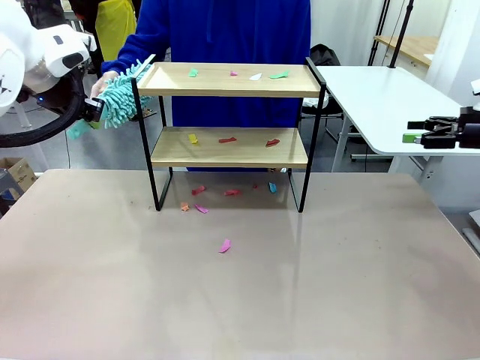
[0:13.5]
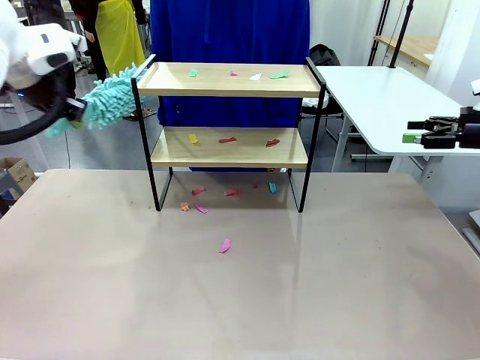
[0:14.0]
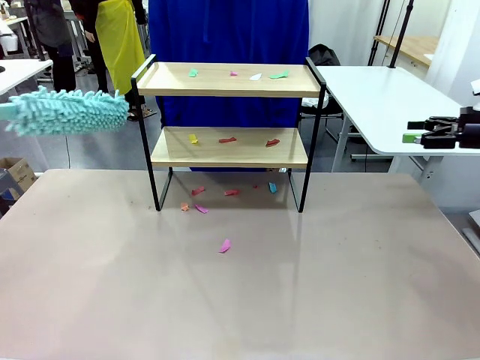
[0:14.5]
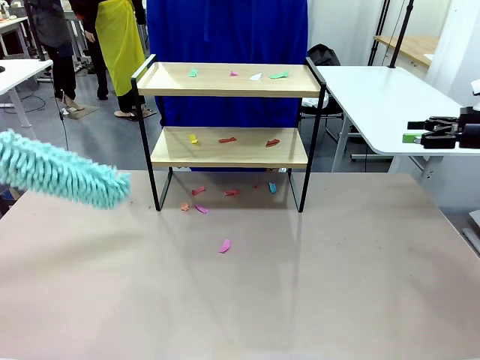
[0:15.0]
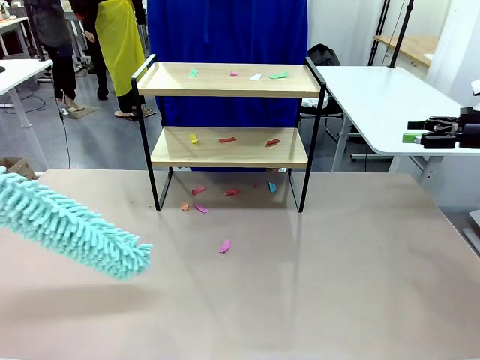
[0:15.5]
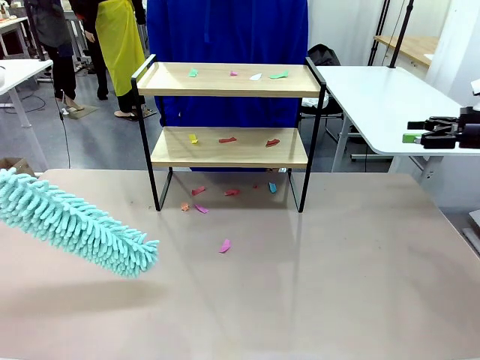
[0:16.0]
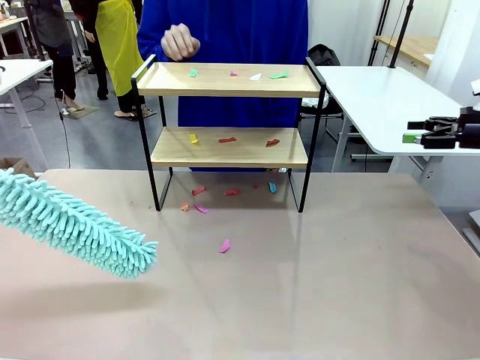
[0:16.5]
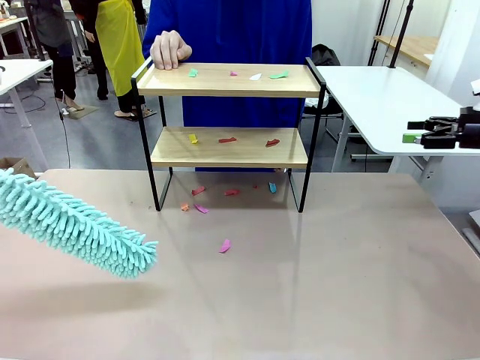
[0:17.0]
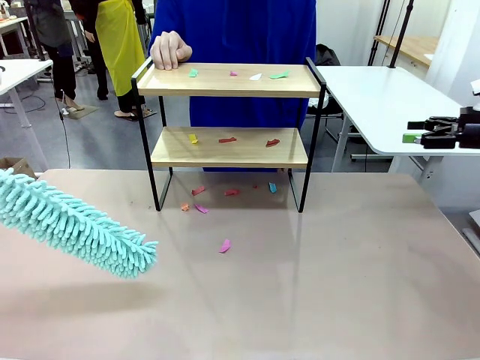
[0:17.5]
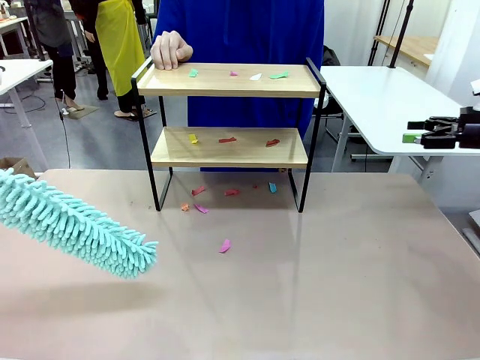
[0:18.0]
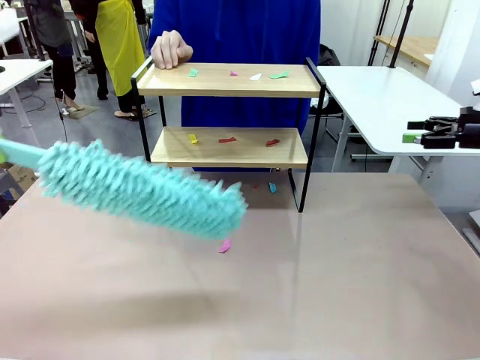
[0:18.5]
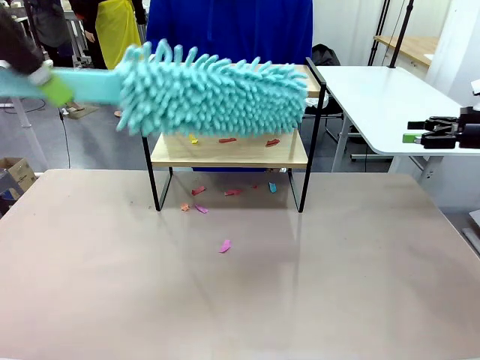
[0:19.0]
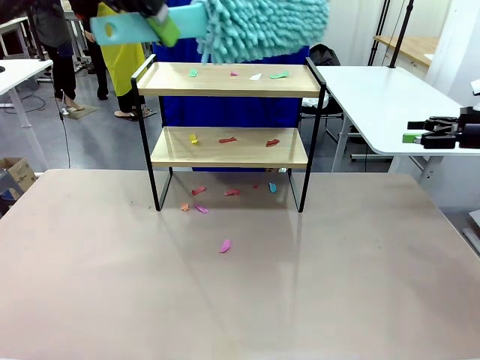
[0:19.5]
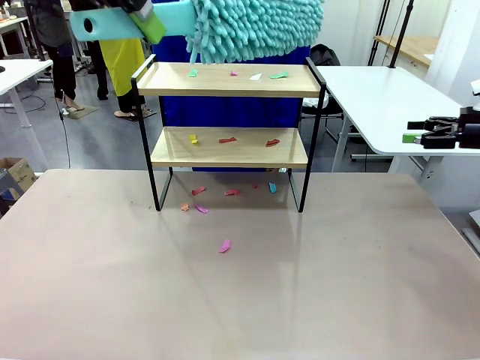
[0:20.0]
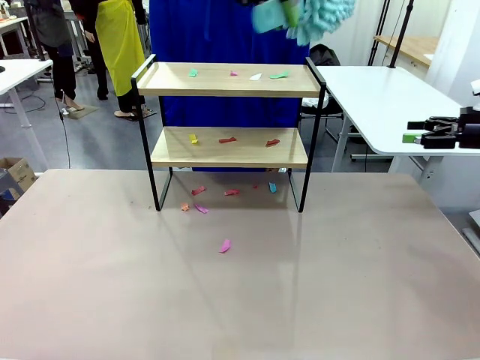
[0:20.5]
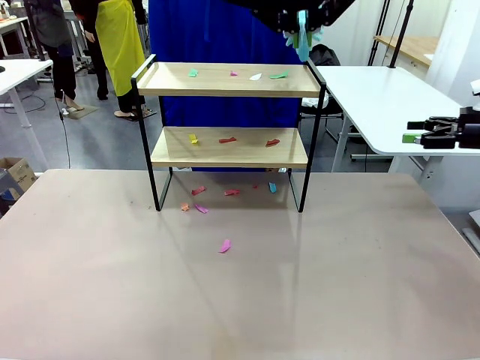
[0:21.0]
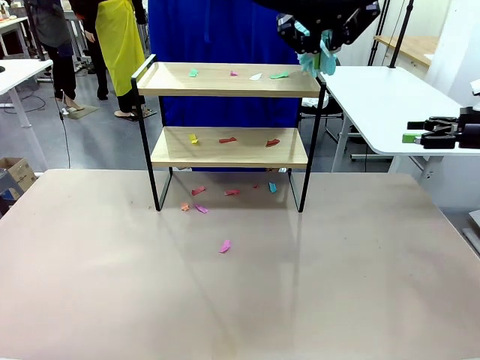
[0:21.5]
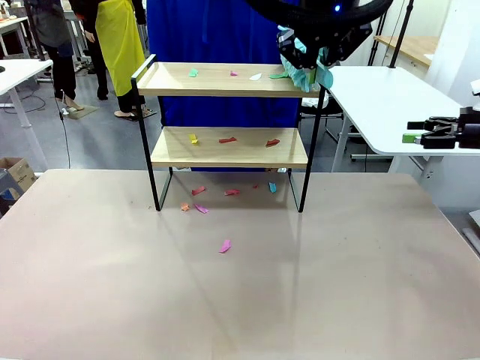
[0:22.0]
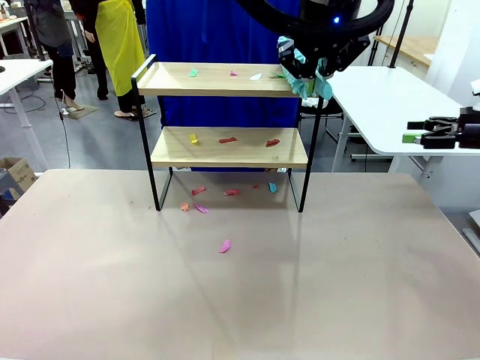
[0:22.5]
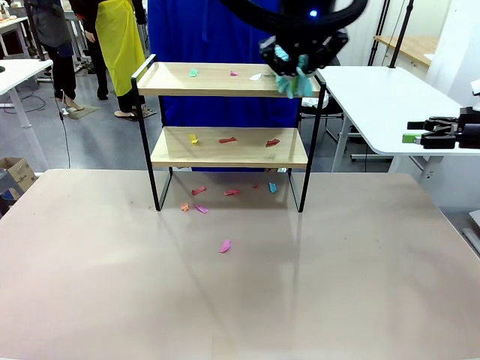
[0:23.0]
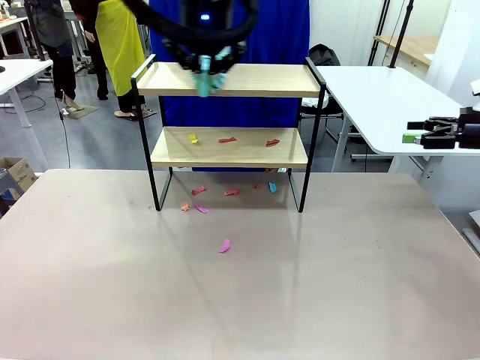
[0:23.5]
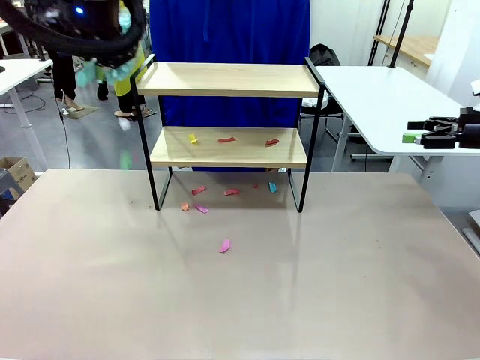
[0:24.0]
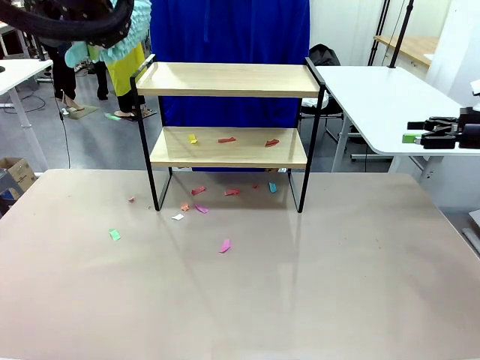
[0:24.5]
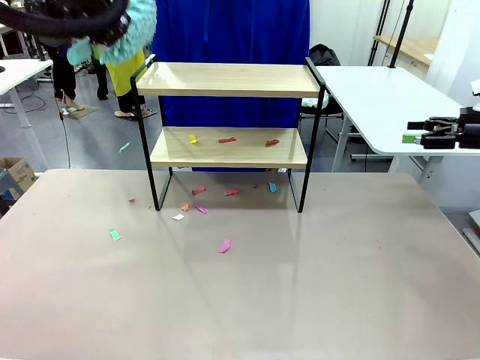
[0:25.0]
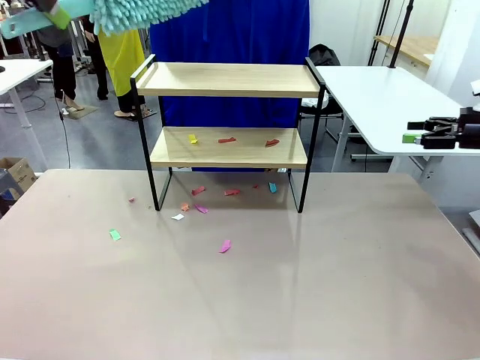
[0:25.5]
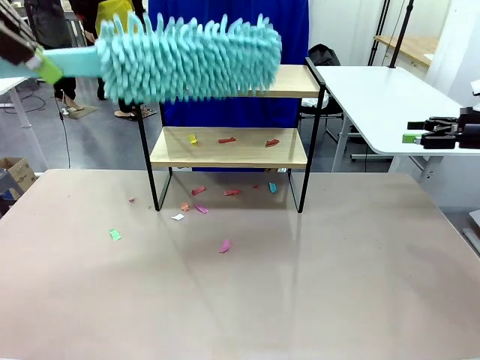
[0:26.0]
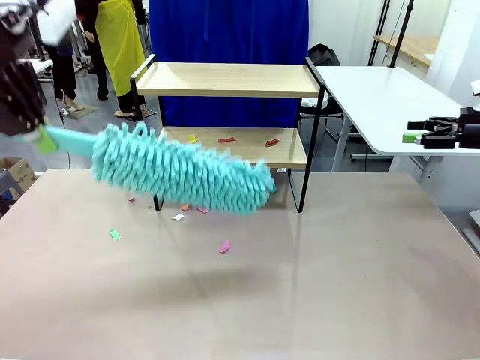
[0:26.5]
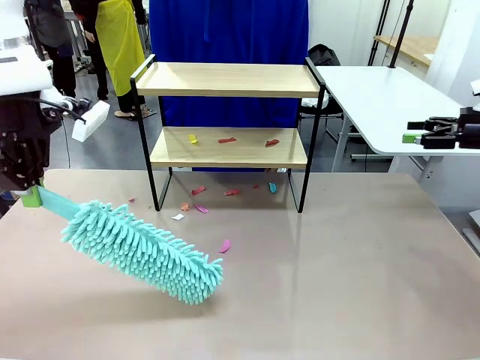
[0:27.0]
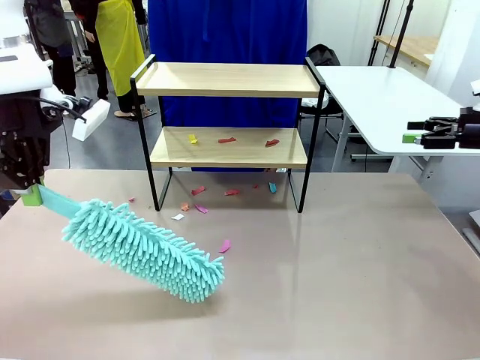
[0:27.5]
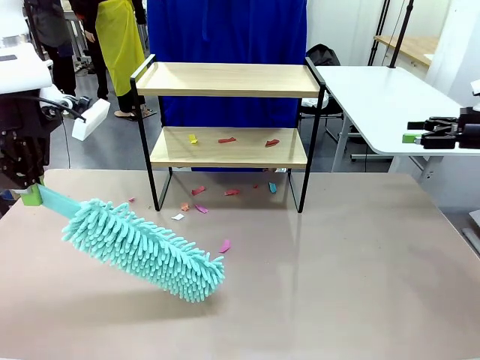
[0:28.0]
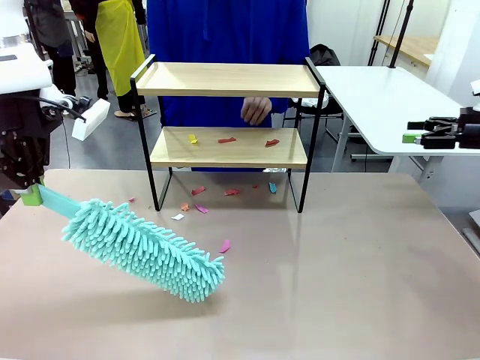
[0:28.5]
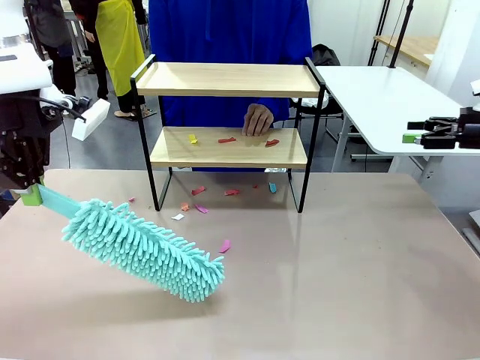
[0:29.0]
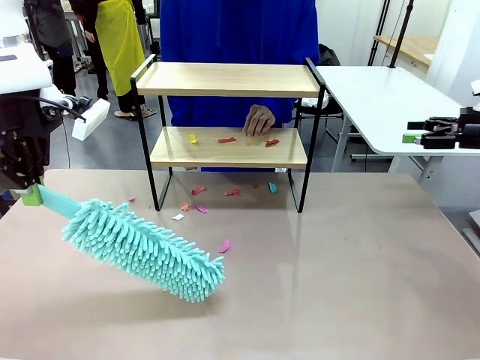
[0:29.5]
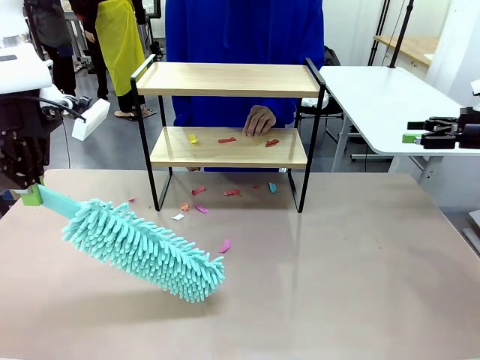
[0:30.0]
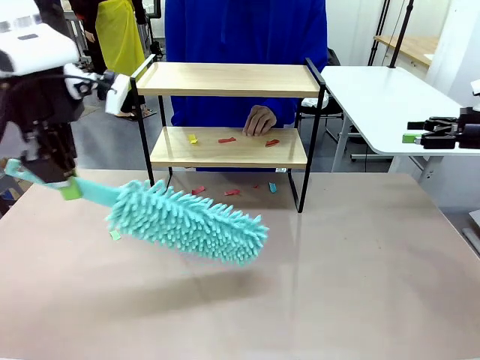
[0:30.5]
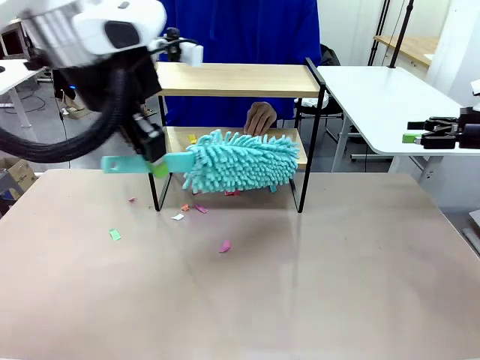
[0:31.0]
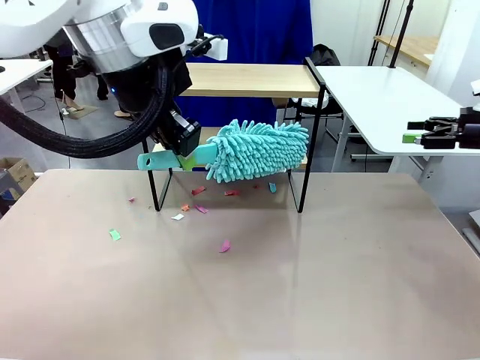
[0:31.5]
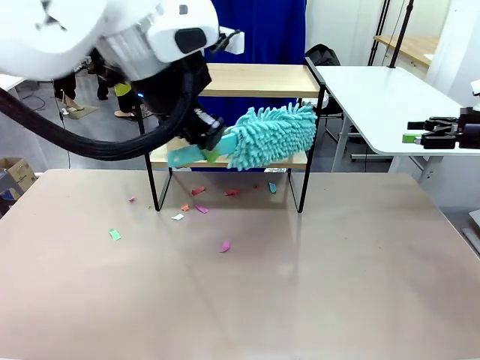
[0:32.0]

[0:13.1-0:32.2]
Task: Clean the shelf.
Robot: Clean the specific section of the Shelf indicated by the human with the Duster.
Person: Point a random section of the Shelf.

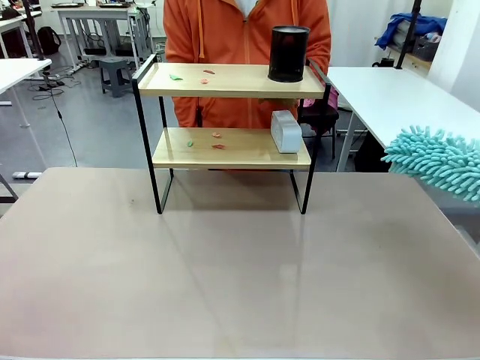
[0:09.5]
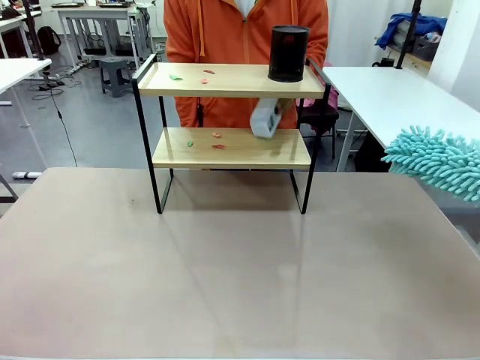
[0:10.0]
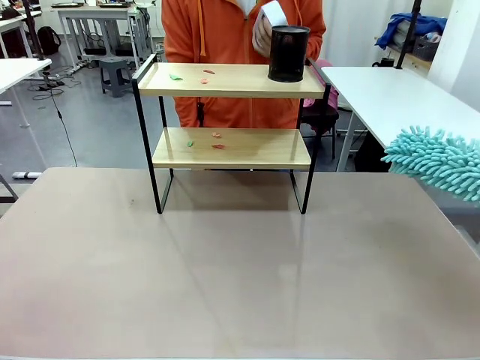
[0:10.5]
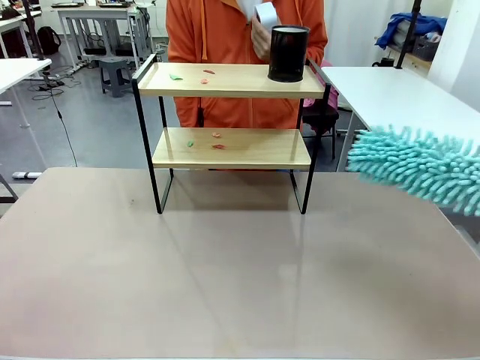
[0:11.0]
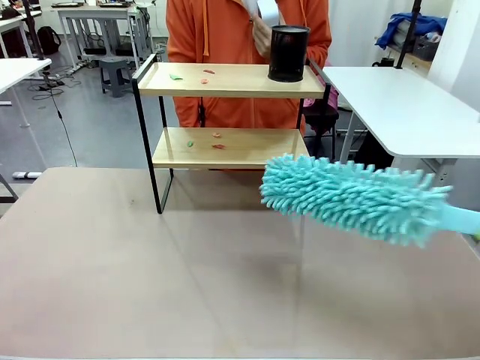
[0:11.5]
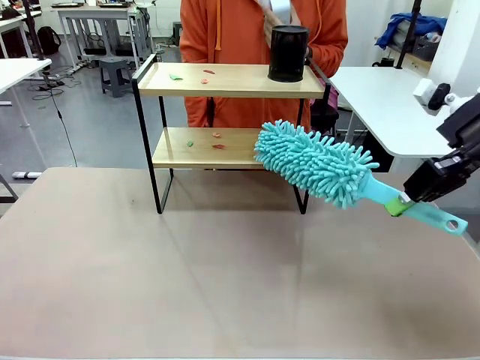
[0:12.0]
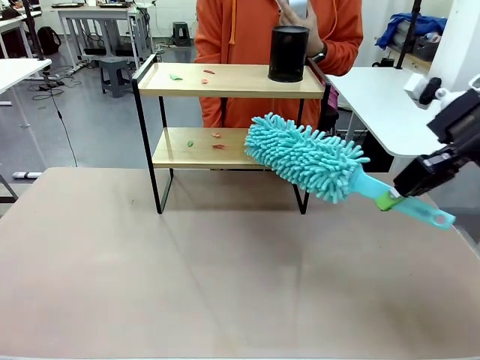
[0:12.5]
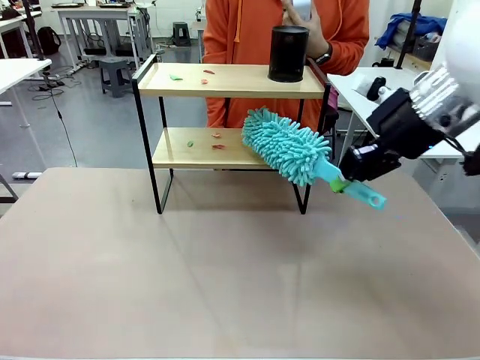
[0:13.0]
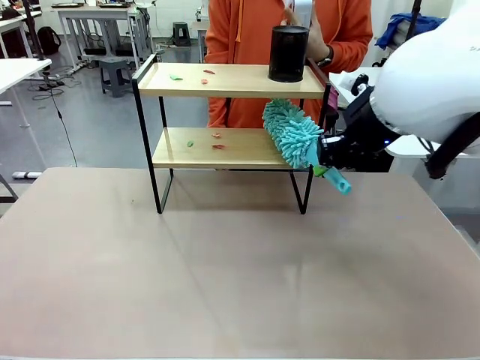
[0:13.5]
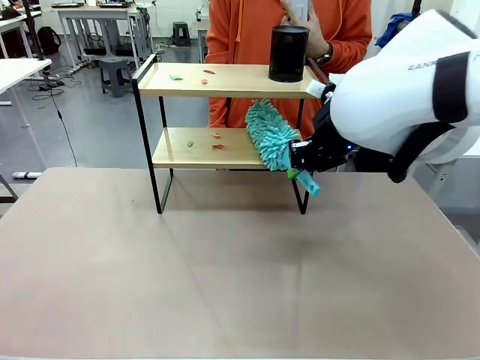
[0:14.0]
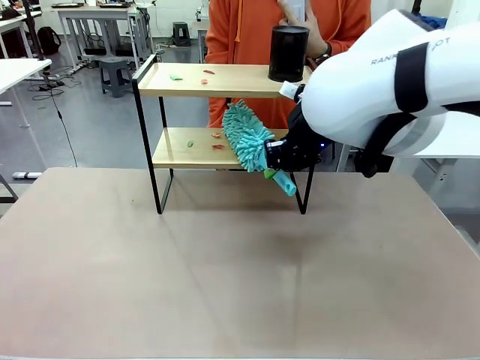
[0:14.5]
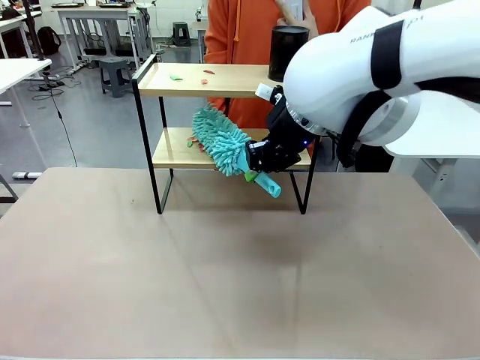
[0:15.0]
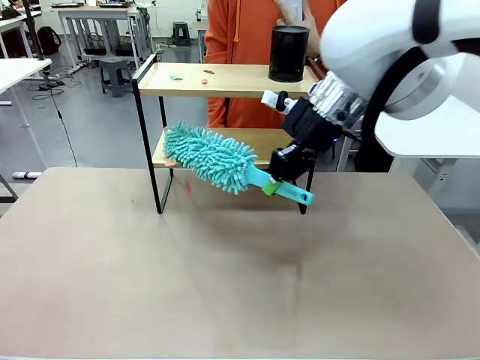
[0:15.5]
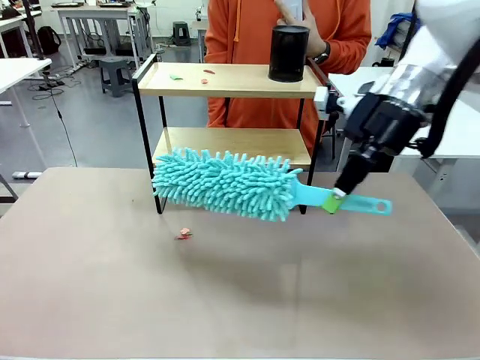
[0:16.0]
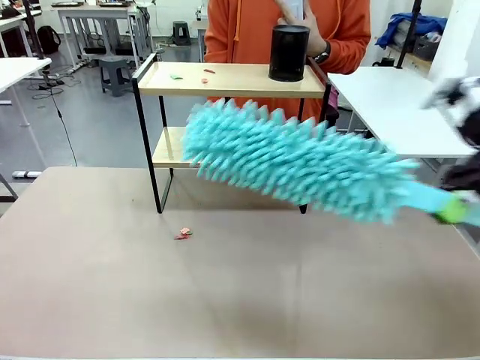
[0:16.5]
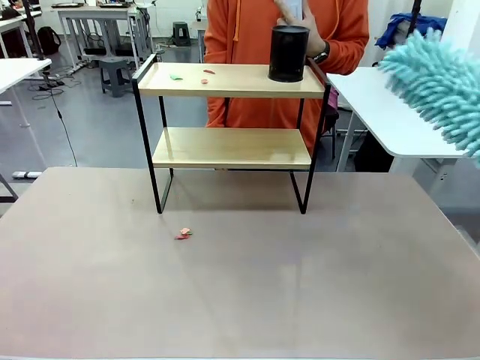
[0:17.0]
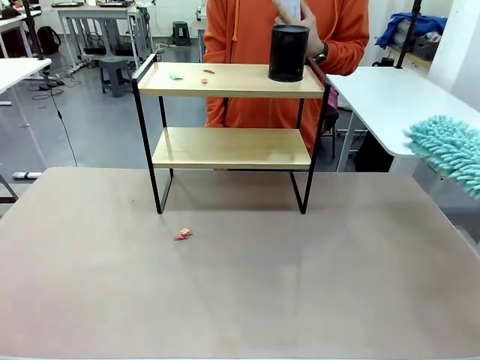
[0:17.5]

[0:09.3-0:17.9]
Task: Clean the shelf.
Robot: Clean the specific tier of the Shelf with the Duster once objects are removed.
Person: Lift the objects on a randomly selected tier of the Shelf. Once the robot finishes cleaning, lift the objects on the remaining tiers of the Shelf.
